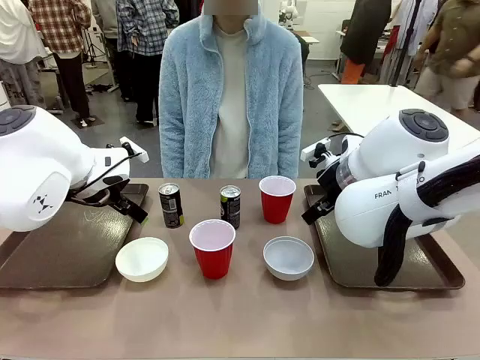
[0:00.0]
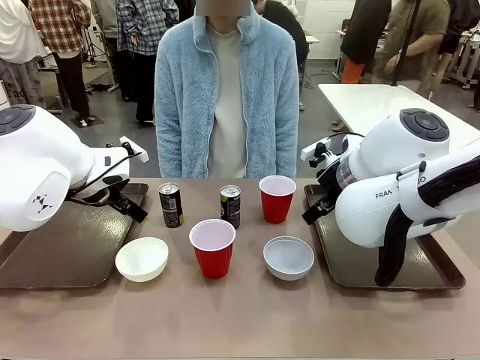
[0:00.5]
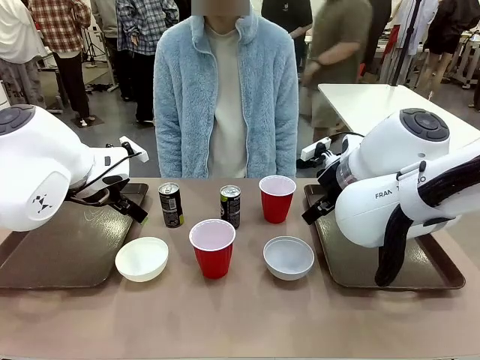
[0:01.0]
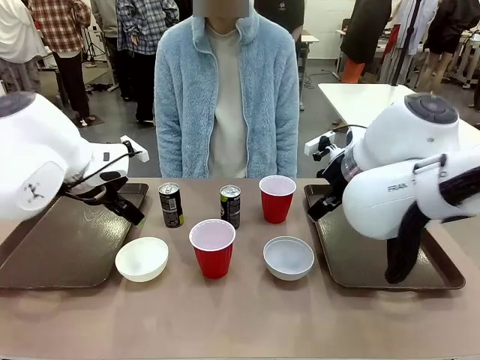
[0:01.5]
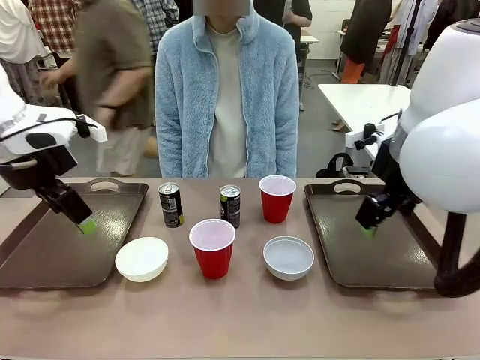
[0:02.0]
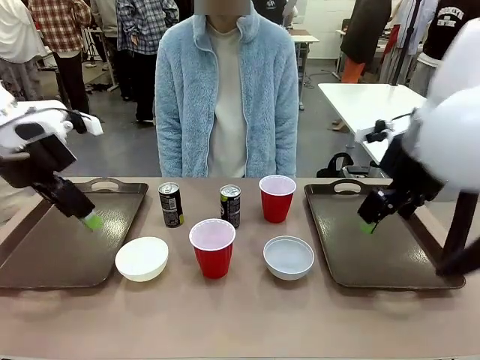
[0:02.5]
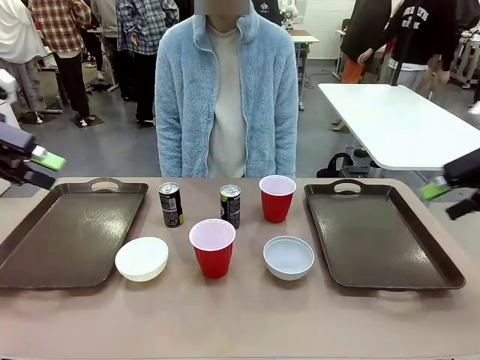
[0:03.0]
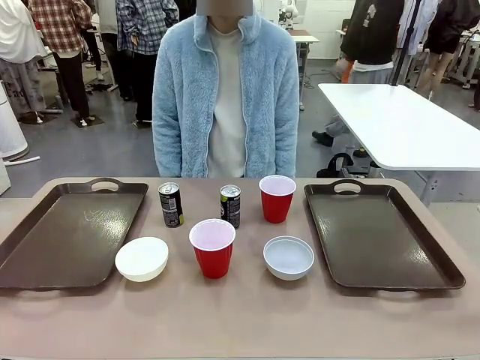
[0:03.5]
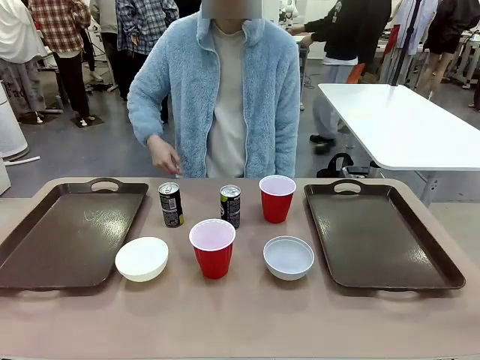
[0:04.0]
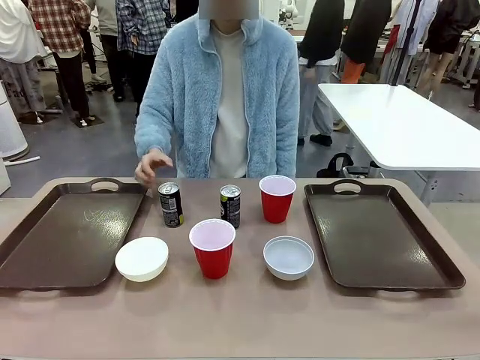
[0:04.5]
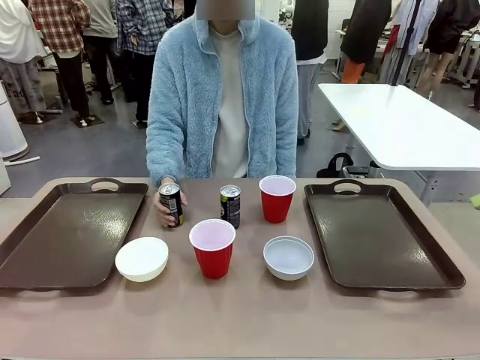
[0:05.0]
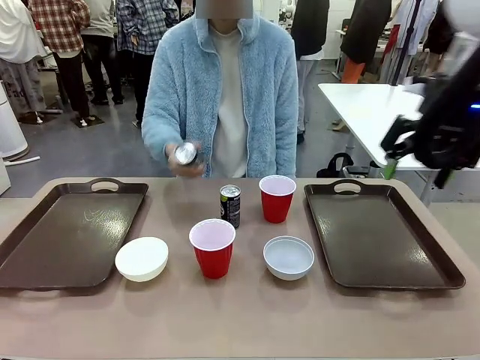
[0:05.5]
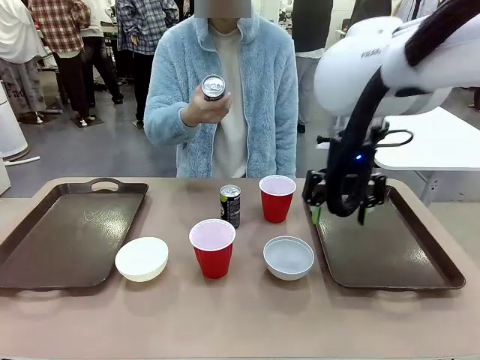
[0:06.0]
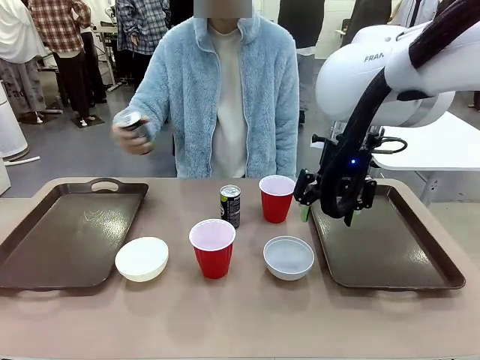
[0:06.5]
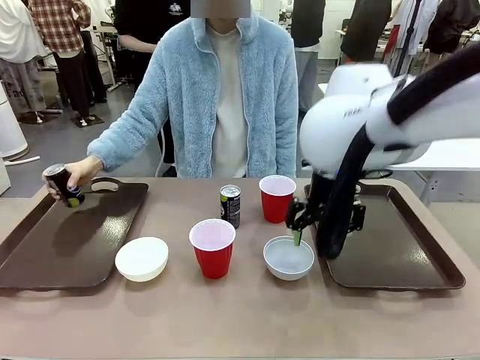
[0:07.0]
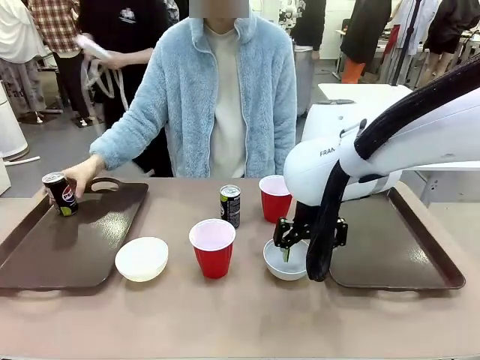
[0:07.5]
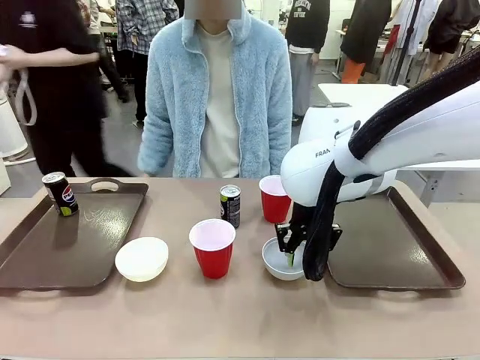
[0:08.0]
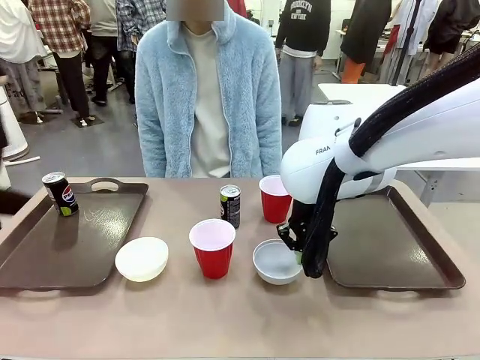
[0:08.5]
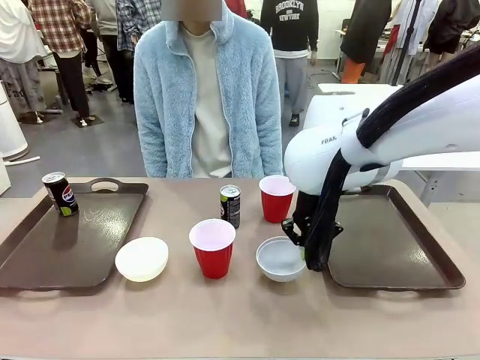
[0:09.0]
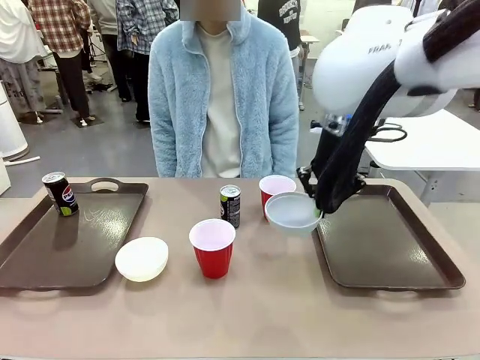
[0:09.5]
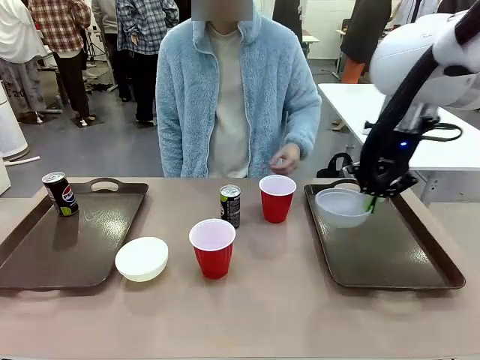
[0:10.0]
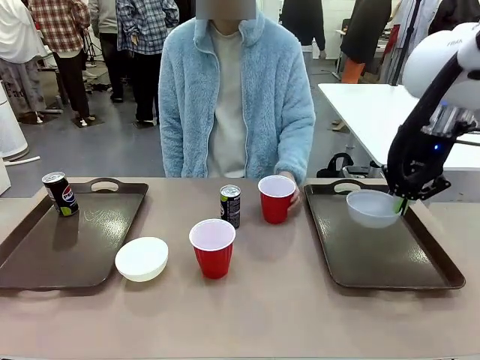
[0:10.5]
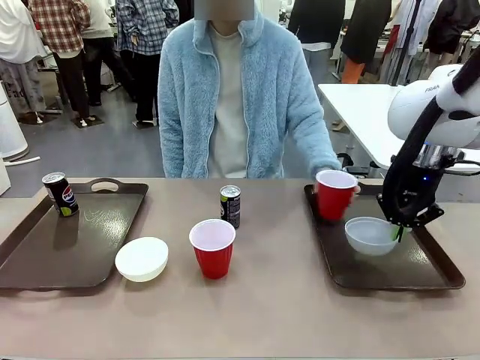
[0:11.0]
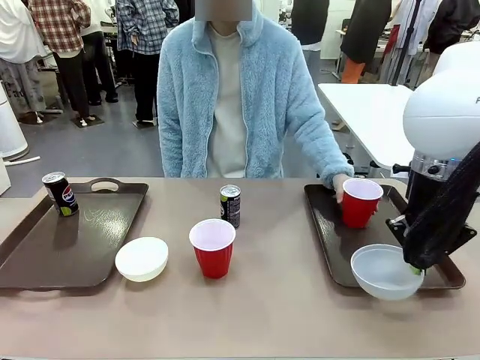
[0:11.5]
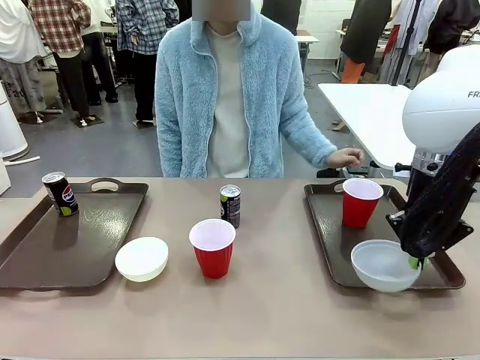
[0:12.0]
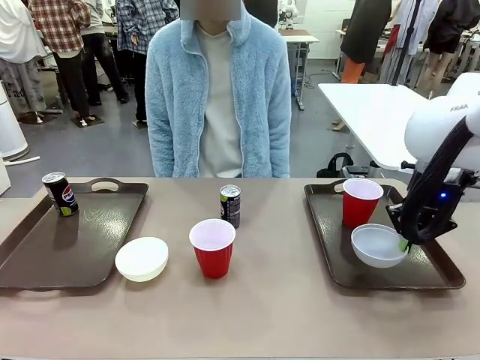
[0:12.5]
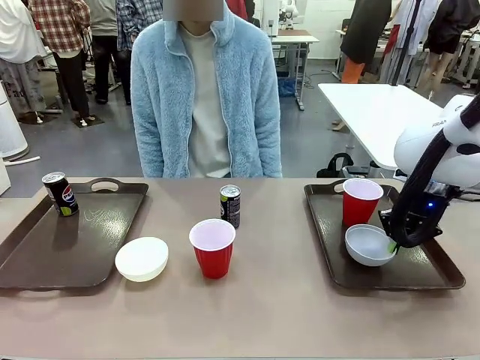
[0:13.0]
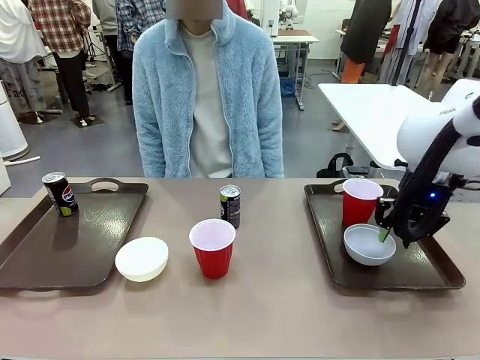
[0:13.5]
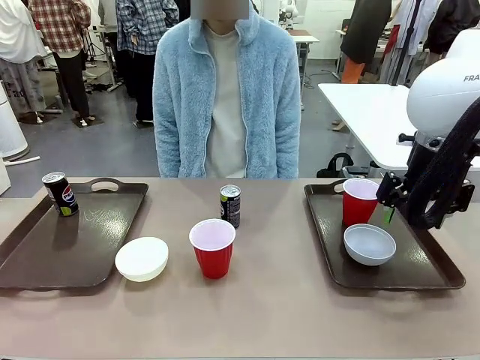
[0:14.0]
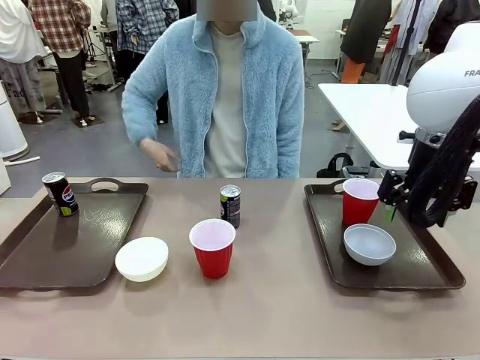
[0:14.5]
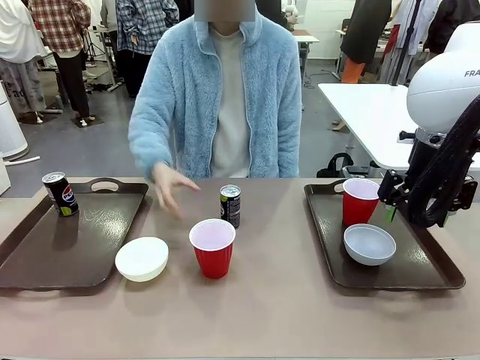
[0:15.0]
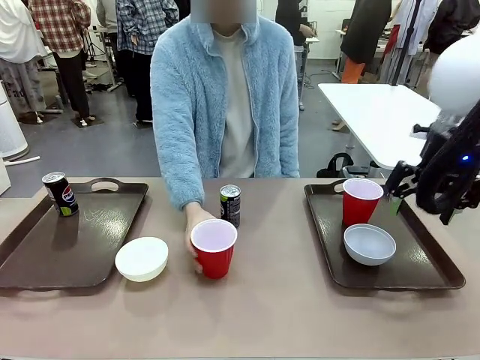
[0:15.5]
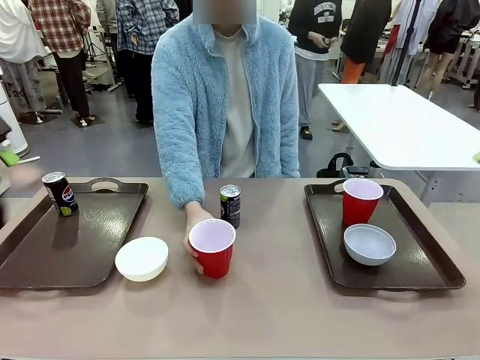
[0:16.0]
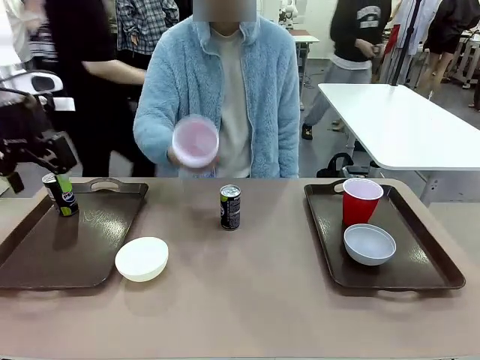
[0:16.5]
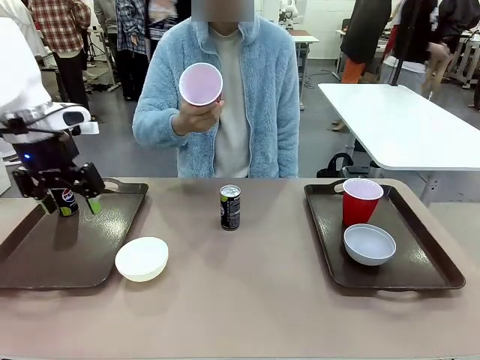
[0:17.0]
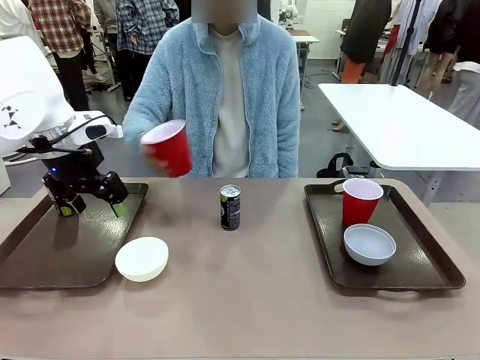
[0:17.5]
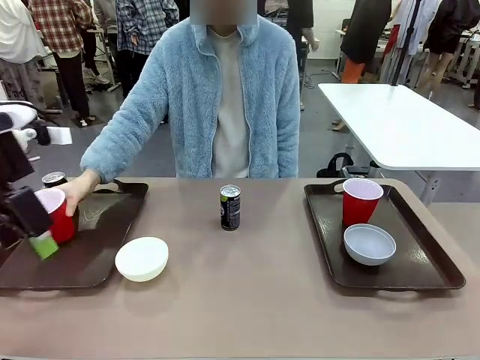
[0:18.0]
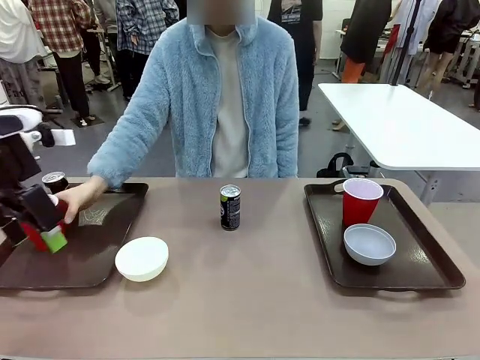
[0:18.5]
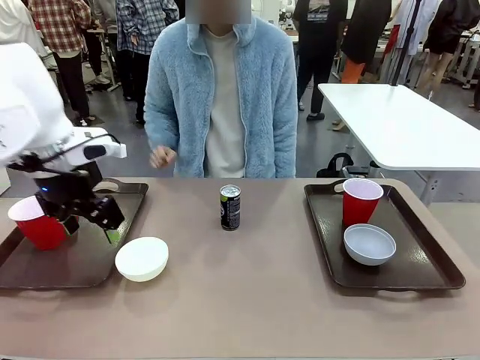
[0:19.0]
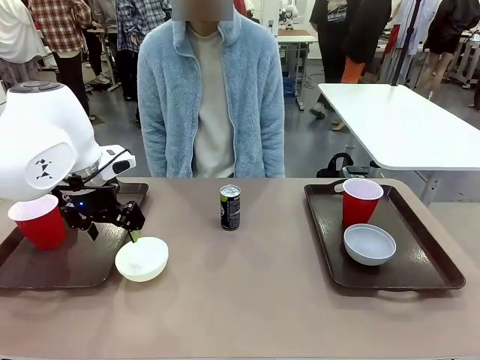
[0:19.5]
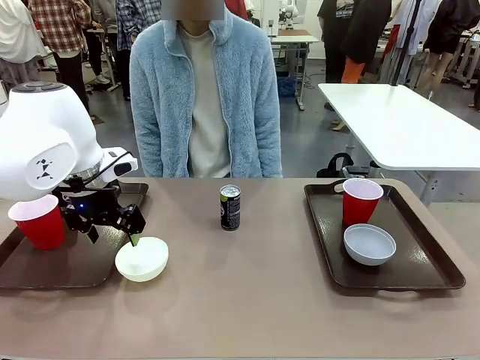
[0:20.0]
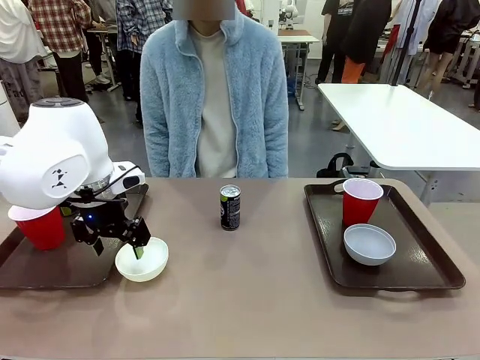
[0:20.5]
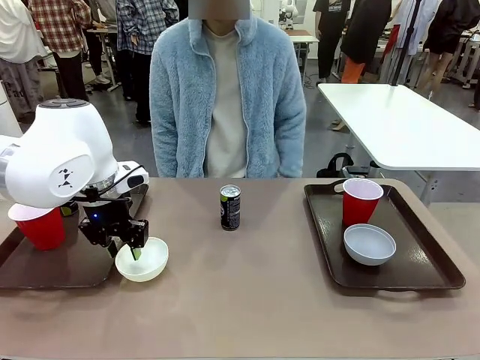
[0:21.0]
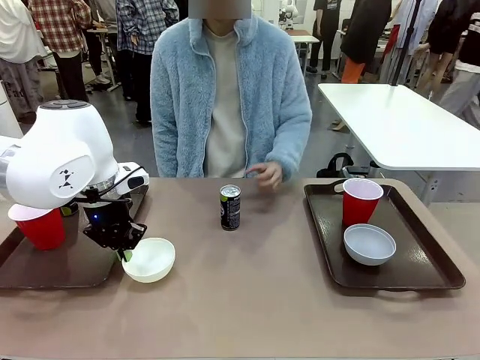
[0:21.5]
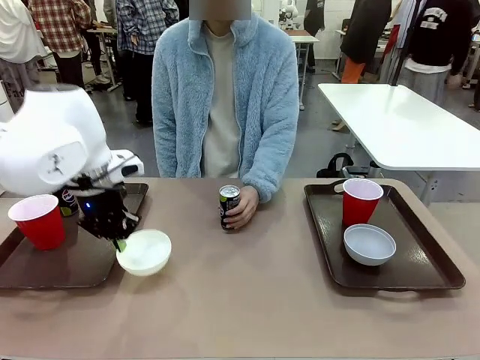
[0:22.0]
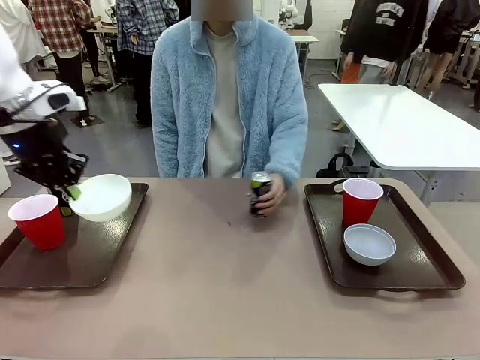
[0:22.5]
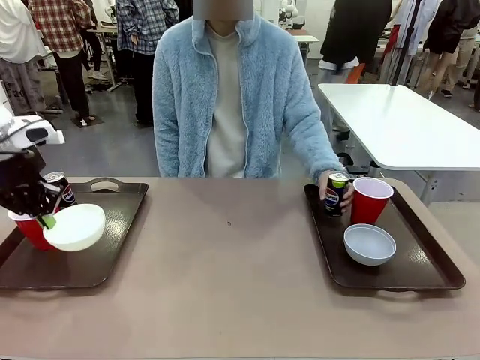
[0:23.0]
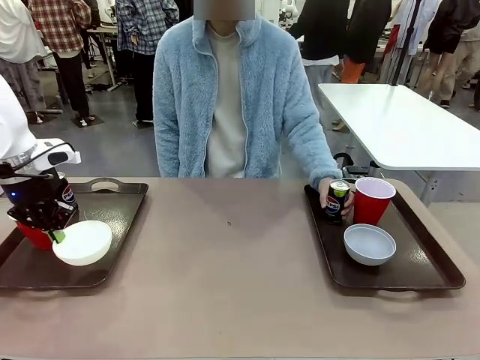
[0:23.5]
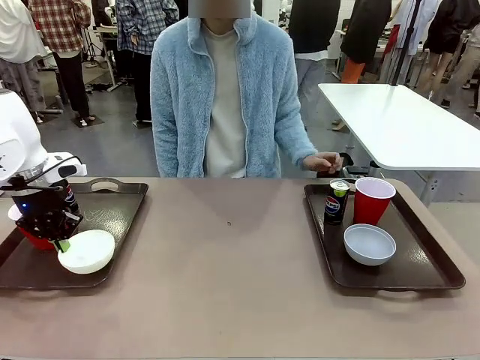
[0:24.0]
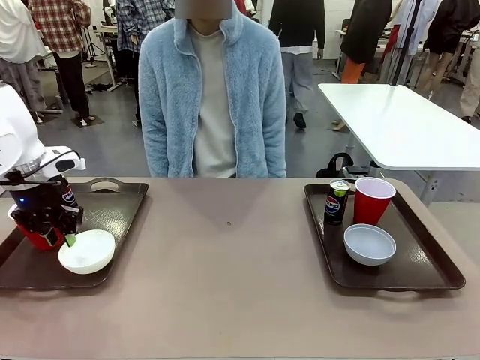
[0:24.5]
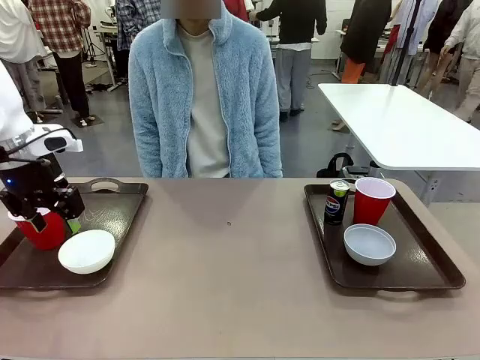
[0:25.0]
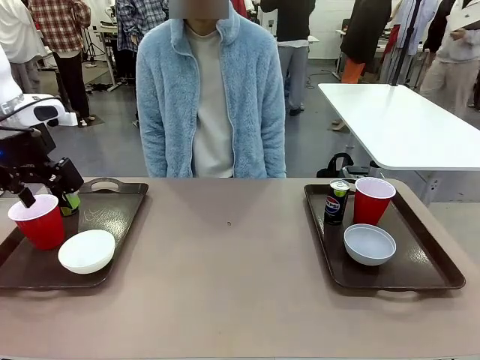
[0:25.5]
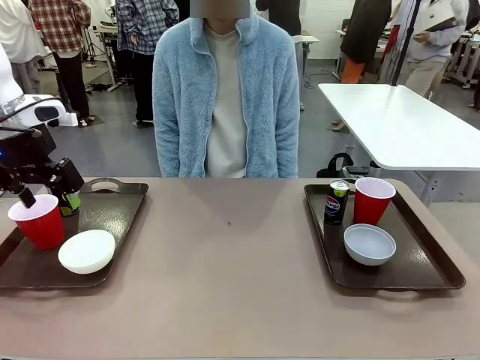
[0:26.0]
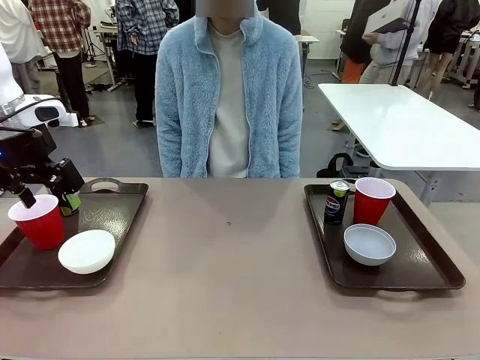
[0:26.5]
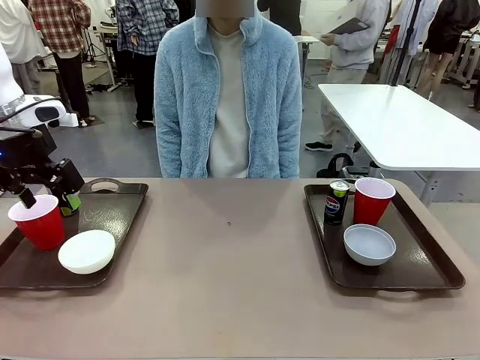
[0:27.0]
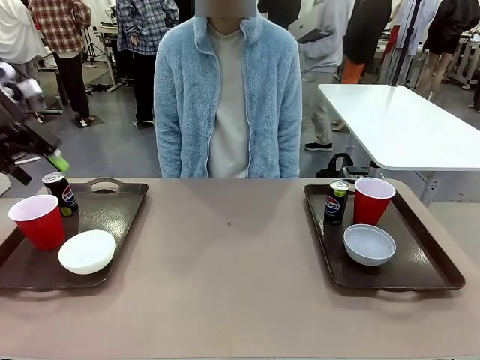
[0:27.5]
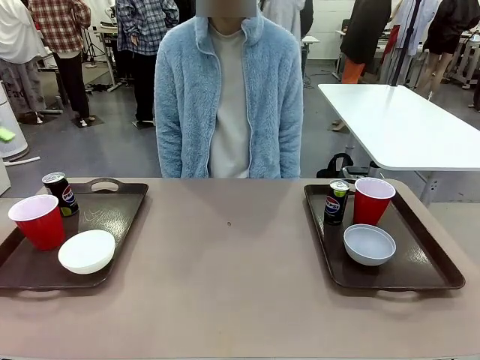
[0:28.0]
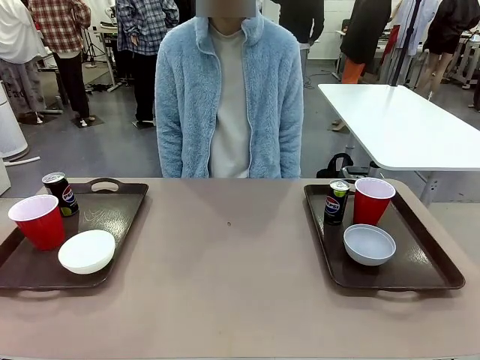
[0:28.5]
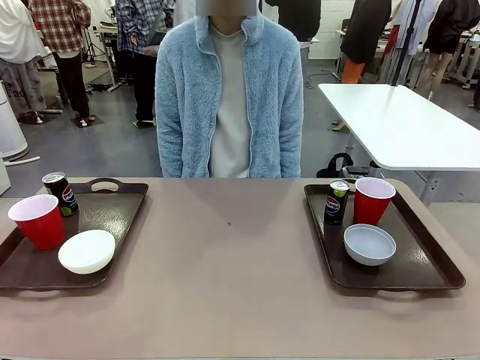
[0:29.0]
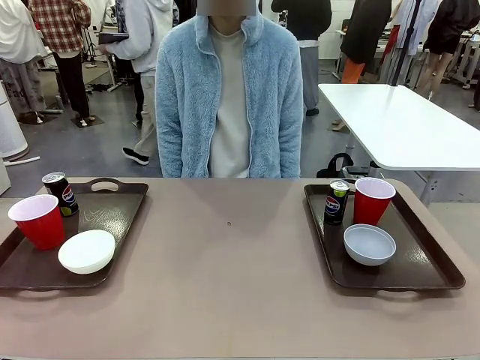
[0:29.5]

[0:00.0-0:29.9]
Task: Prepare tableware on both trays.
Robot: Pick up a Picnic Bowl from the table and place it on a Handle tray.
Person: Pick up a can or cup and place it on the tray. Pick up a can or cup and place it on the tray without a can or cup.
